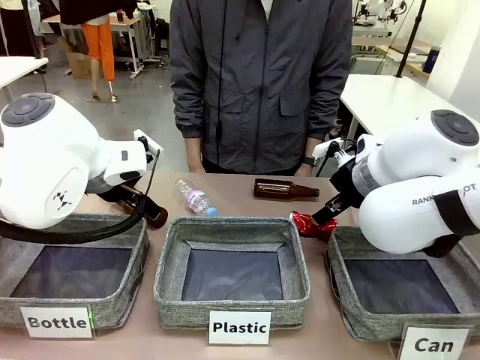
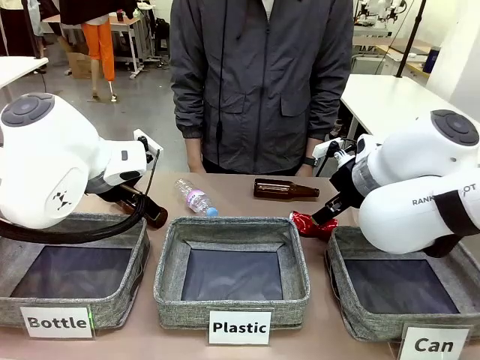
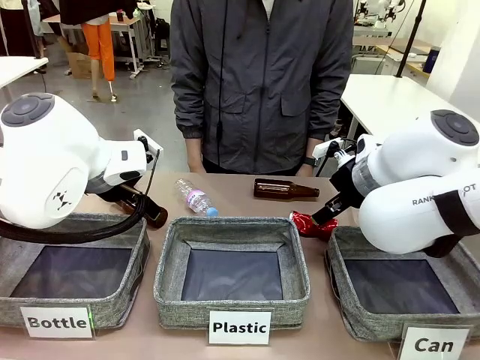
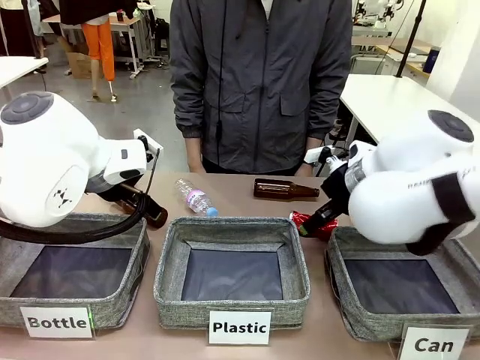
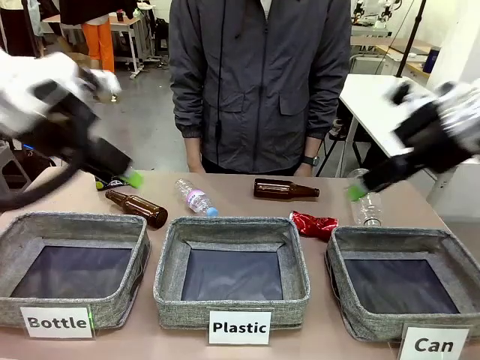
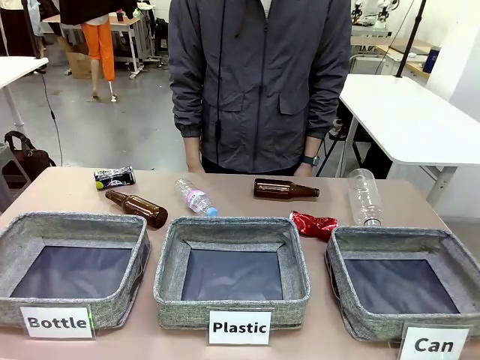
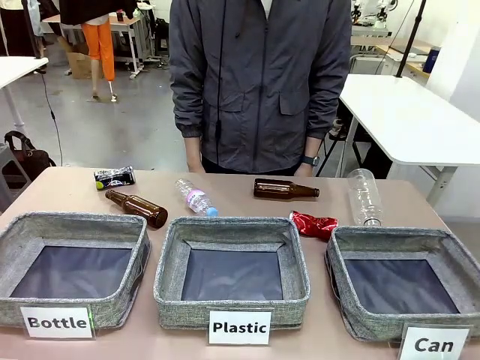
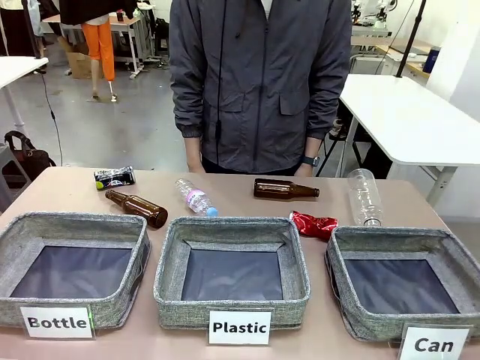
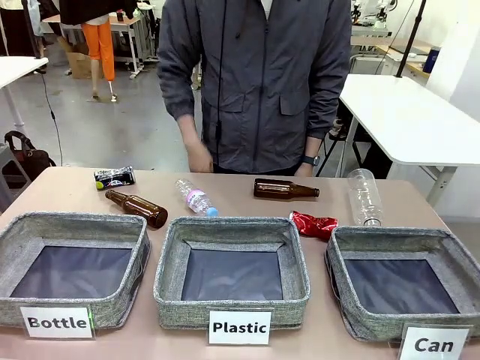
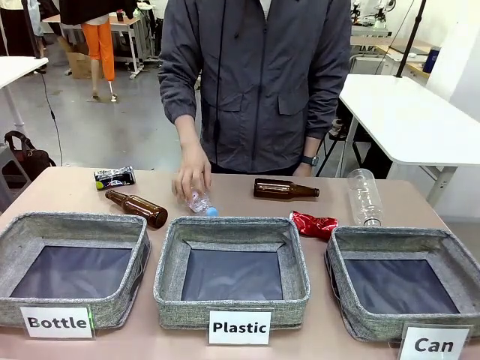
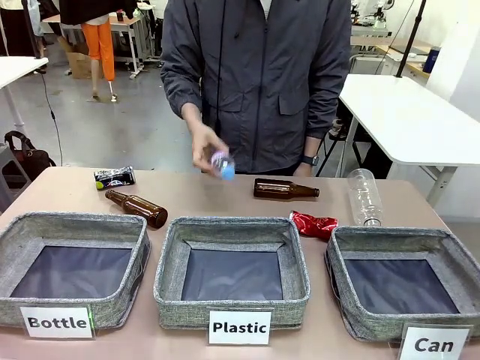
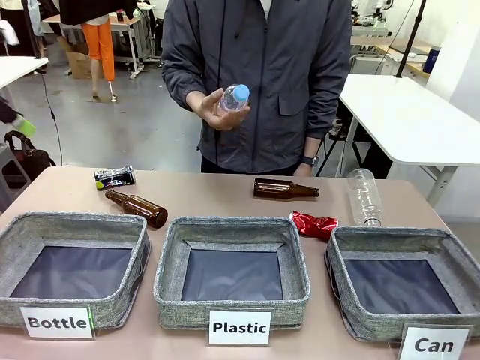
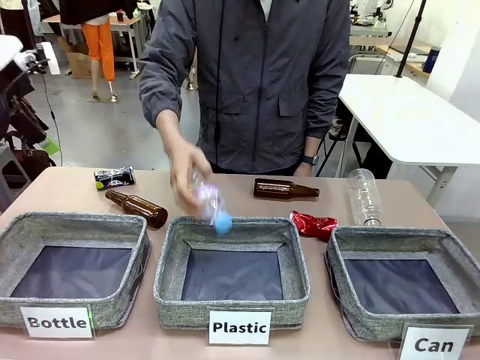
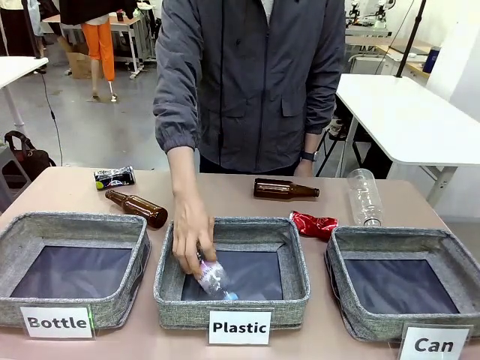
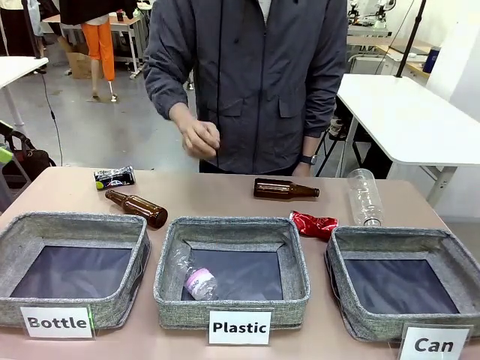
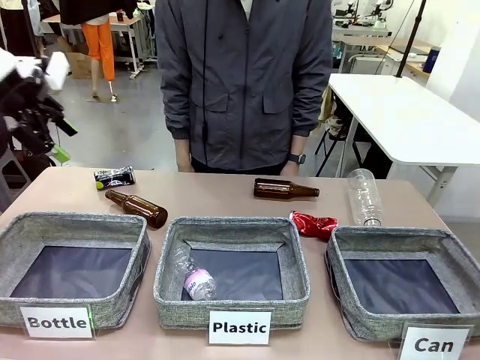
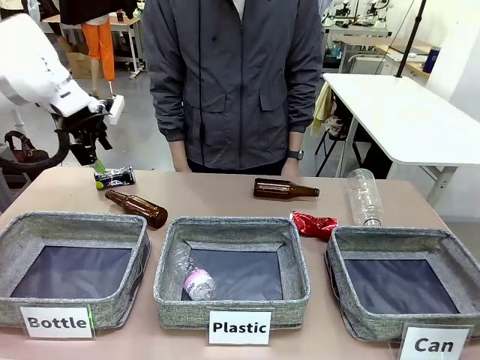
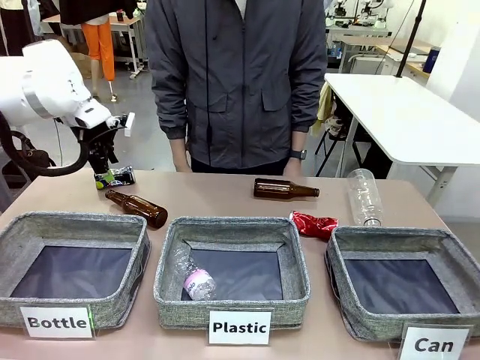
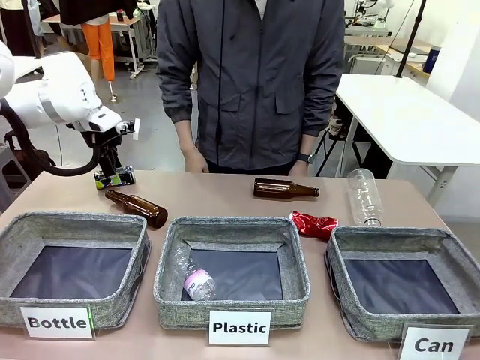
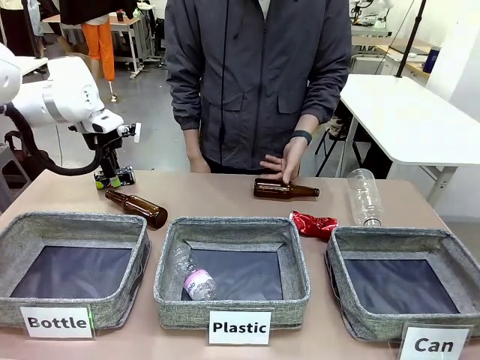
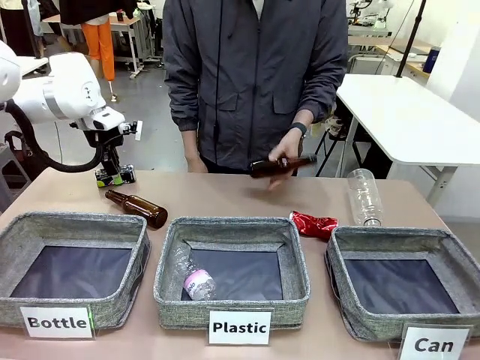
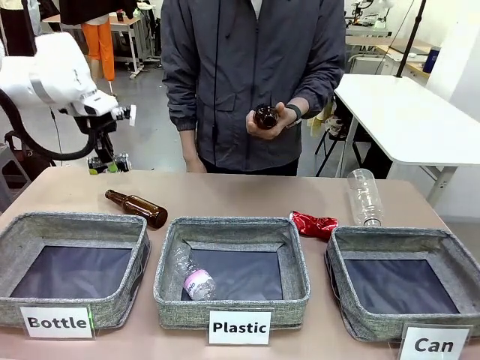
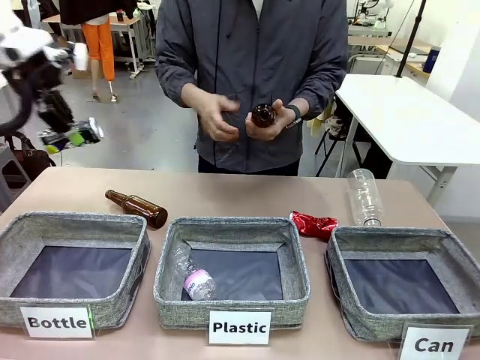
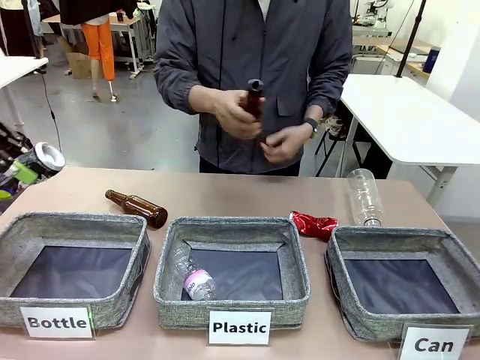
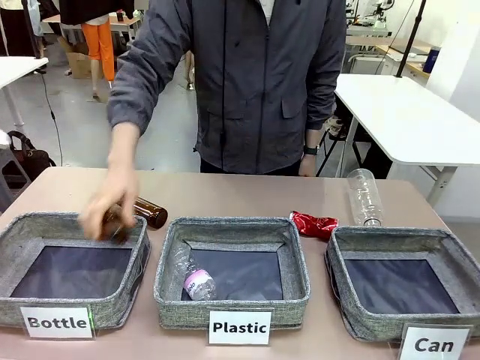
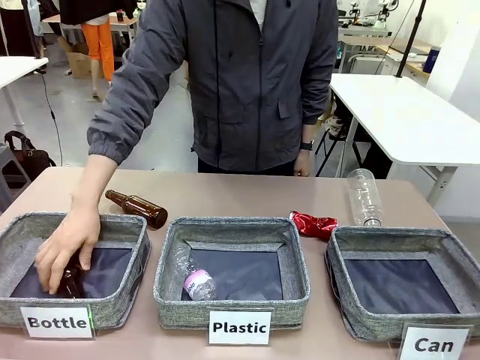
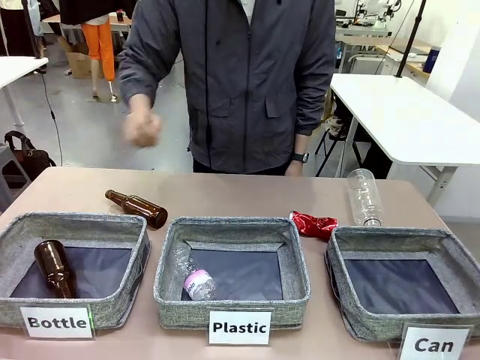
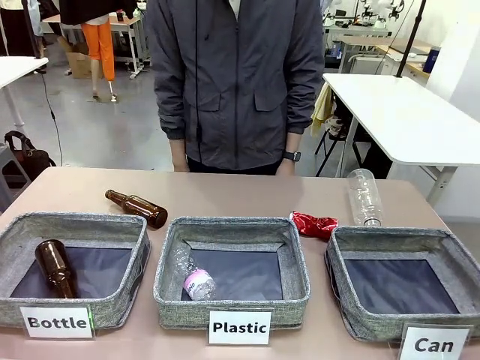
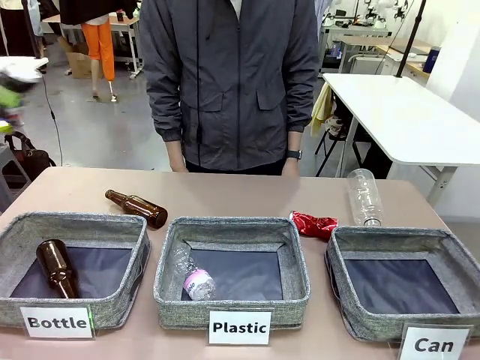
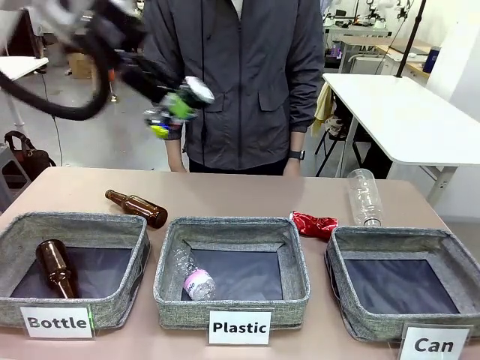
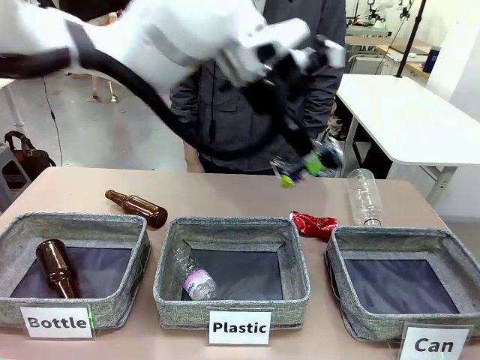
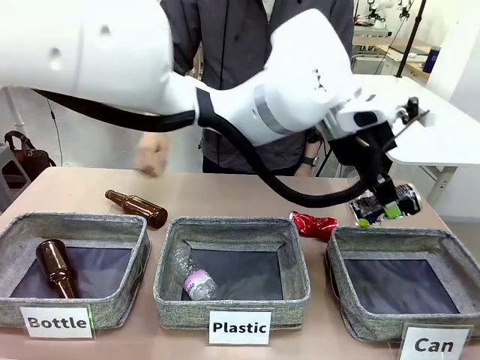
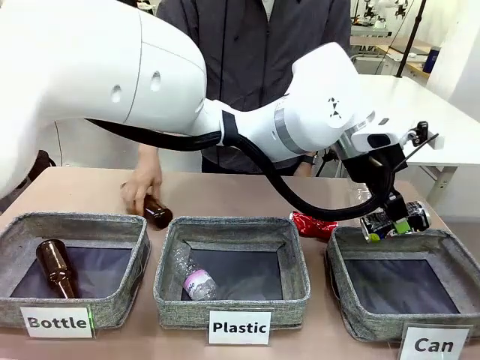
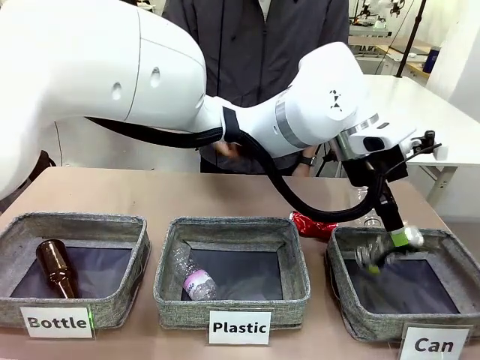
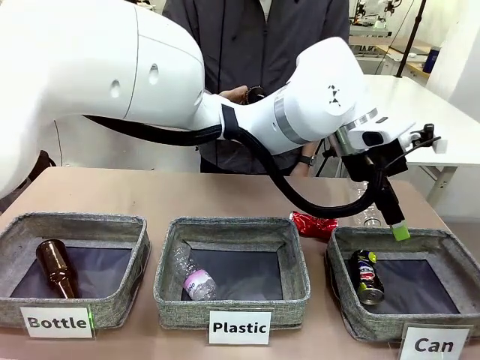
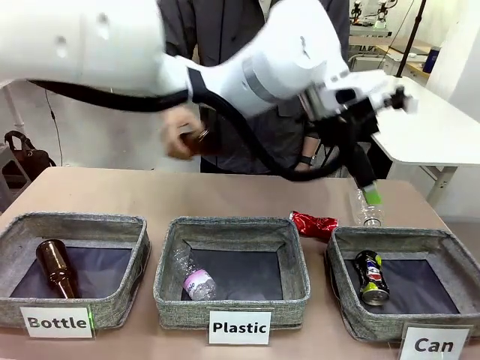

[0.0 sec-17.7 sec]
Task: Sort the can waste into the basket.
Robot: Pick up the can waste from the table and place it in the right Fabric basket.
